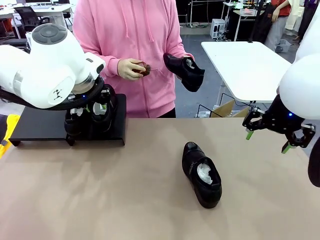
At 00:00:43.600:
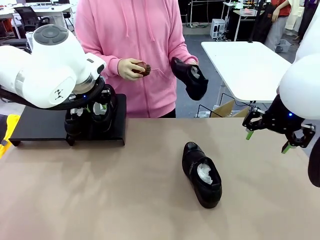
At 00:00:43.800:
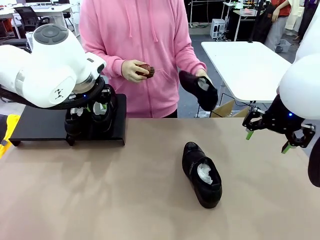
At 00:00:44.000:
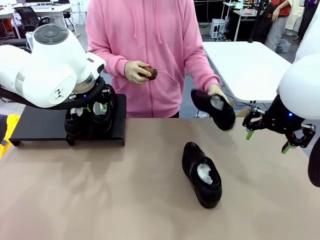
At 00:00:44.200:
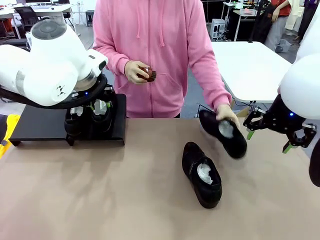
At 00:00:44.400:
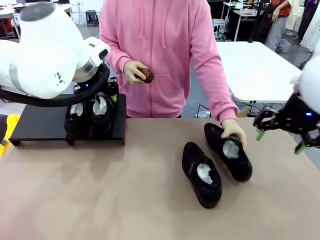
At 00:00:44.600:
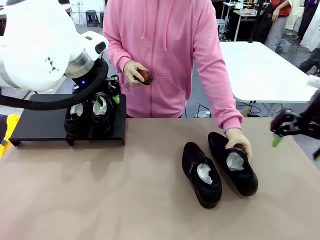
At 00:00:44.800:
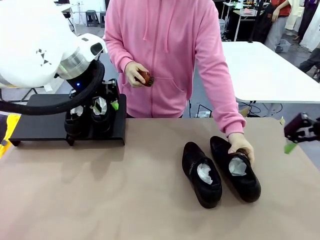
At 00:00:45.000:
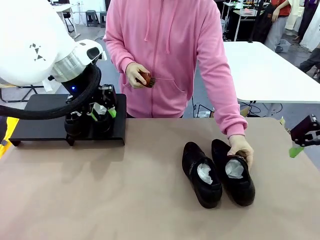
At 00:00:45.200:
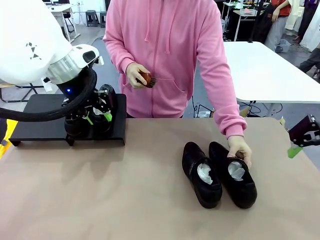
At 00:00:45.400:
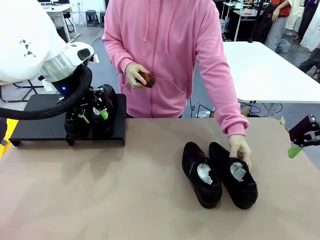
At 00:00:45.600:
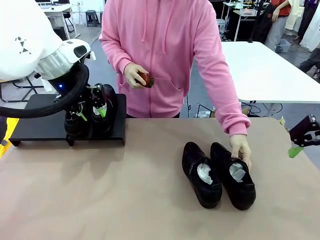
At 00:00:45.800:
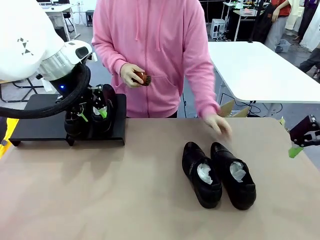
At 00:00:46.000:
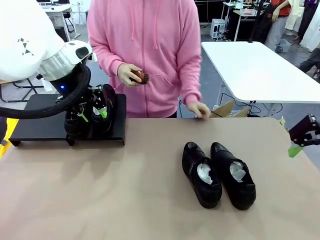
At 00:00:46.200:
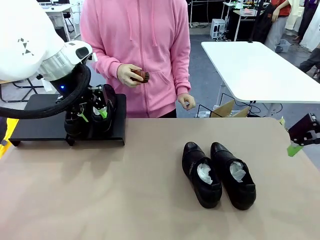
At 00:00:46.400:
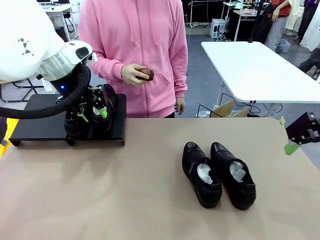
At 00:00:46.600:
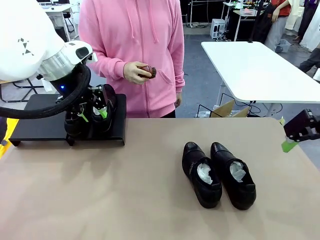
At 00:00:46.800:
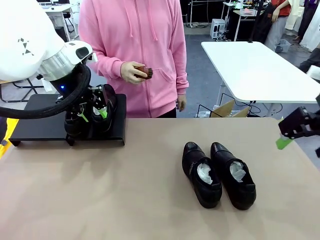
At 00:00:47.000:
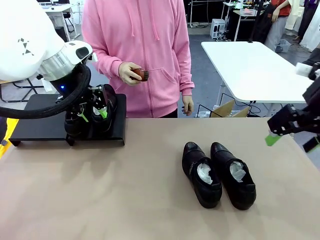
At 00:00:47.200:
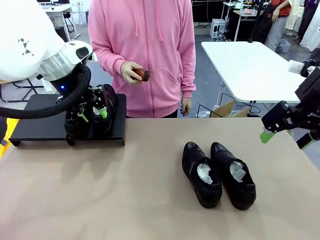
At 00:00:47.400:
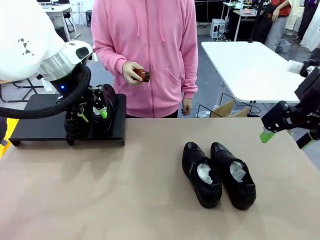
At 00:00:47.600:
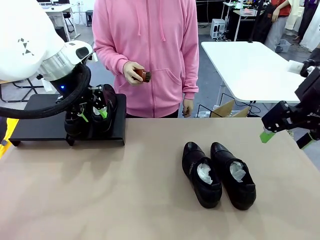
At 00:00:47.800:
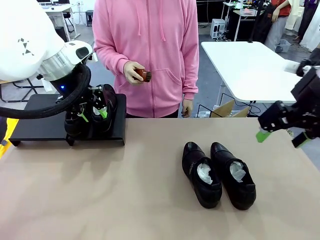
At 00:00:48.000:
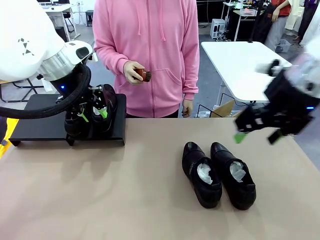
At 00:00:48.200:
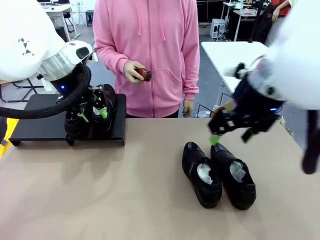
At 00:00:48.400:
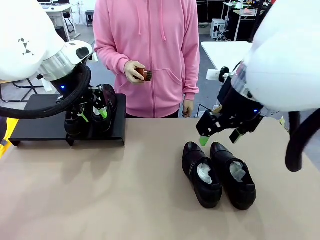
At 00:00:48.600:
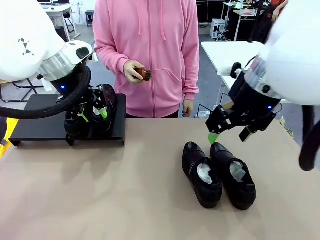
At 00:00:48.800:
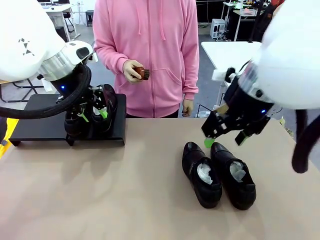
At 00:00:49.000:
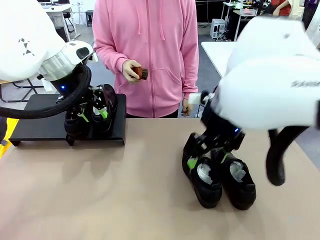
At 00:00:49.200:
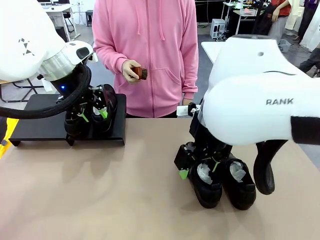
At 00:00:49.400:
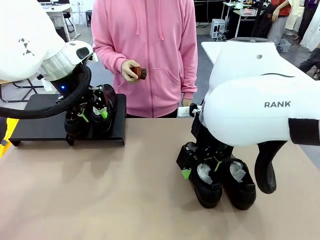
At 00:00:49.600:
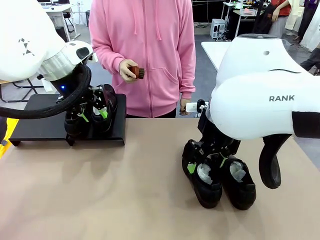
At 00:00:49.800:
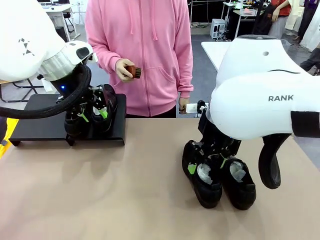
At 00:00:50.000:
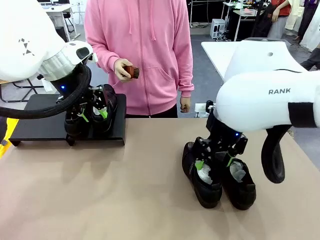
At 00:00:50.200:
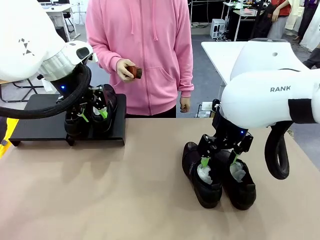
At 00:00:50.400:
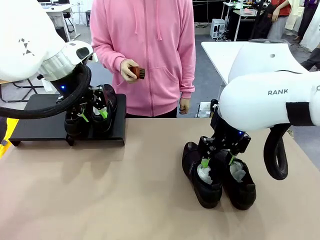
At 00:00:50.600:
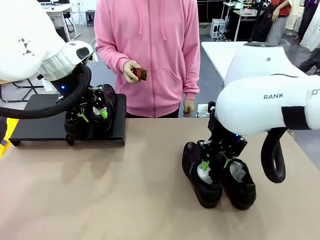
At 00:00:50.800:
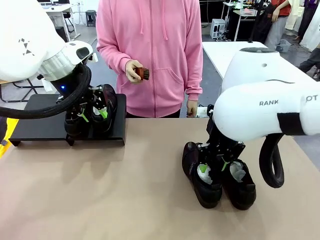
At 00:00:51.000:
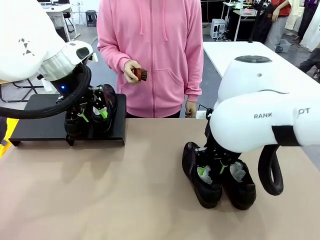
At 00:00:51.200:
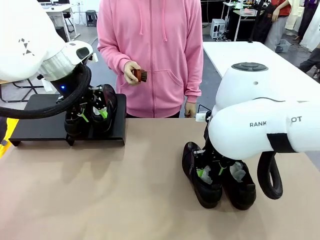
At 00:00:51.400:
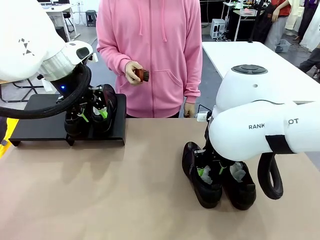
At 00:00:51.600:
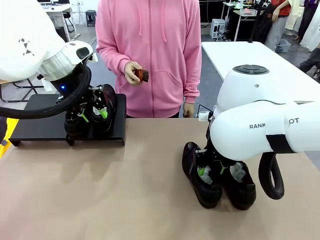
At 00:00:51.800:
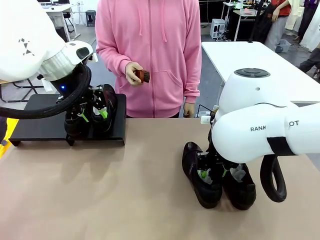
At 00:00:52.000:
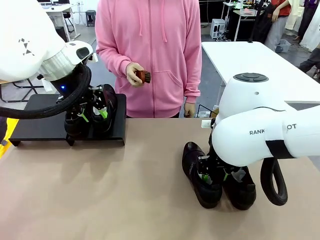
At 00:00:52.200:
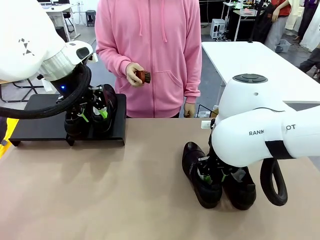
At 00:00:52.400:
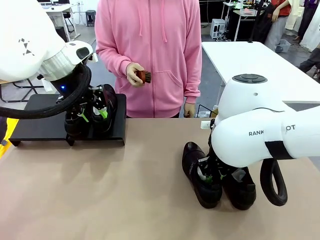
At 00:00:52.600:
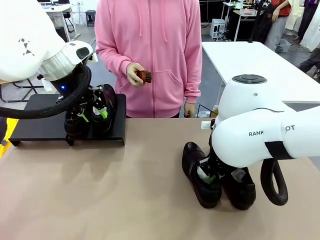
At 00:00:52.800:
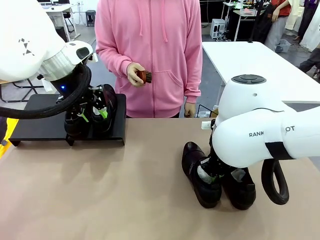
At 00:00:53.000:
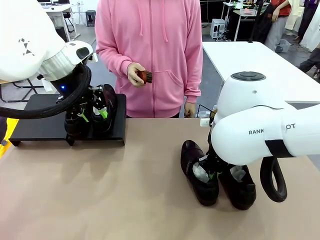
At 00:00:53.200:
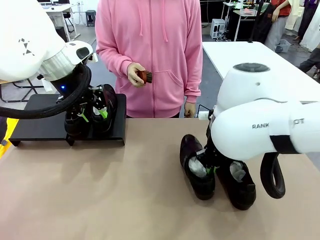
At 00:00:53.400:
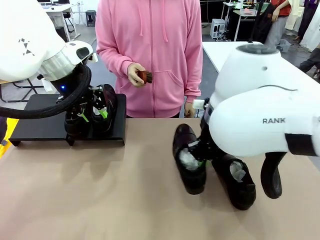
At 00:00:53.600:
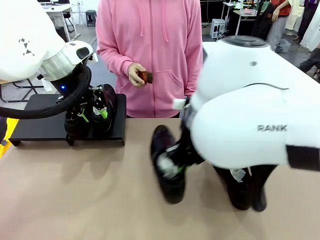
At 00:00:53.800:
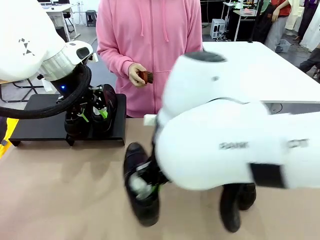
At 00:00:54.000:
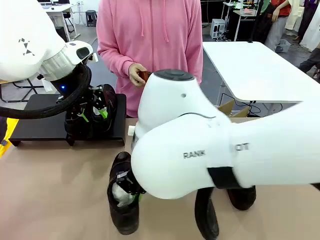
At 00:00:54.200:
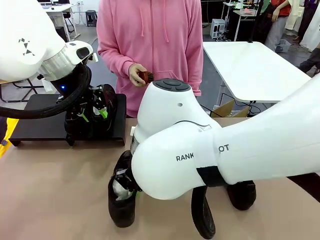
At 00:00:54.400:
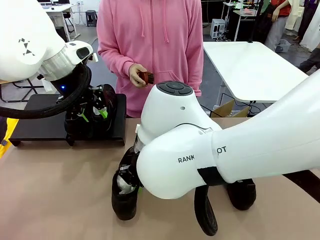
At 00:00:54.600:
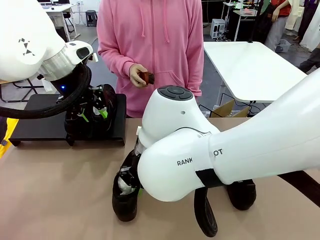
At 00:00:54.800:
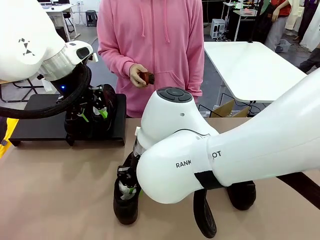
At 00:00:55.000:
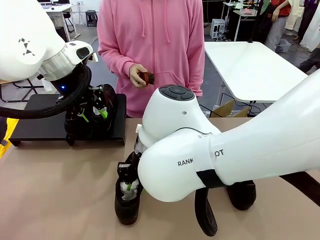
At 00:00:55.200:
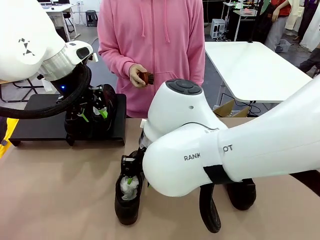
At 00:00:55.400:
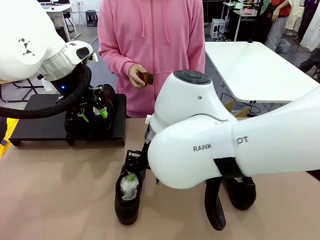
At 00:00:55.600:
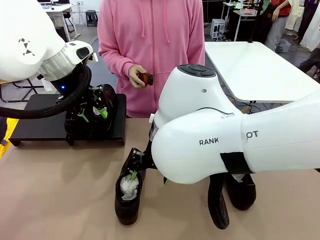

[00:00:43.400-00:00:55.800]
Task: Organize the shoes by placing them on the stand.
Robot: Pick up one Shoe and place it in the middle of the table.

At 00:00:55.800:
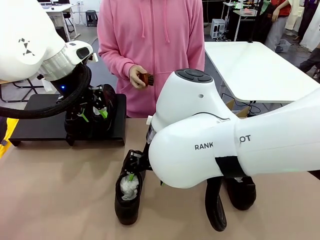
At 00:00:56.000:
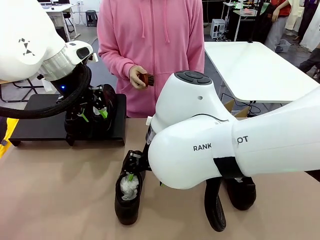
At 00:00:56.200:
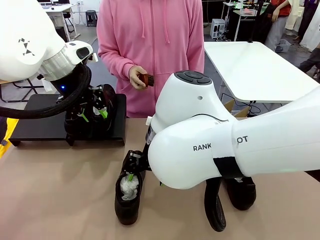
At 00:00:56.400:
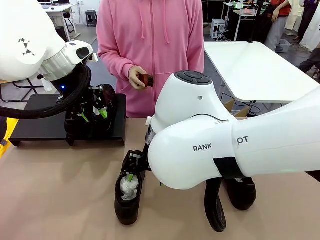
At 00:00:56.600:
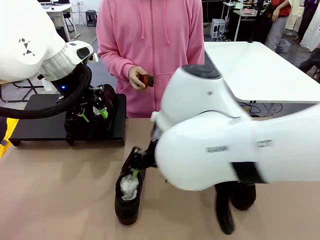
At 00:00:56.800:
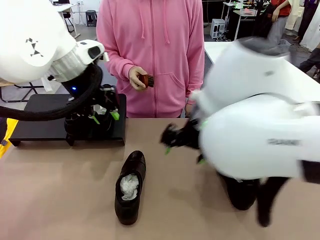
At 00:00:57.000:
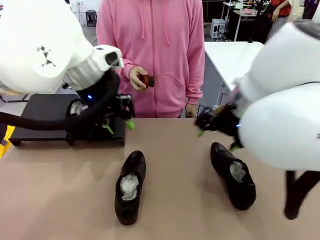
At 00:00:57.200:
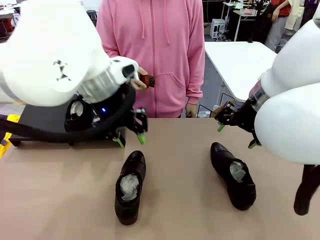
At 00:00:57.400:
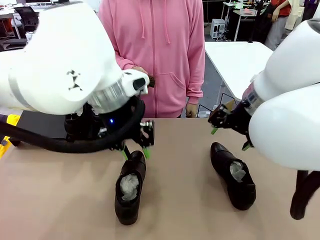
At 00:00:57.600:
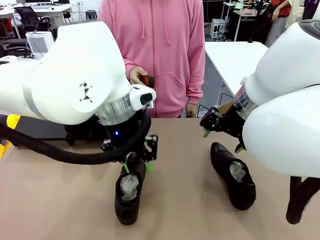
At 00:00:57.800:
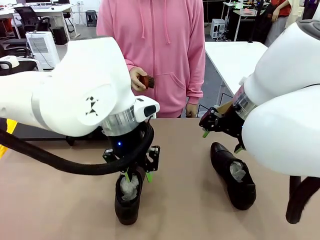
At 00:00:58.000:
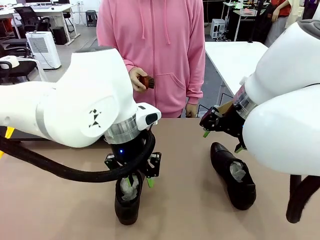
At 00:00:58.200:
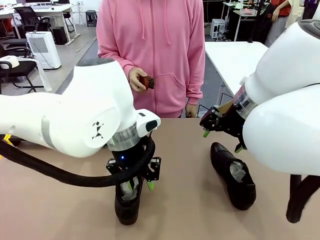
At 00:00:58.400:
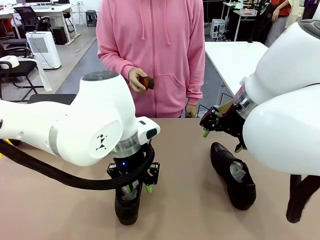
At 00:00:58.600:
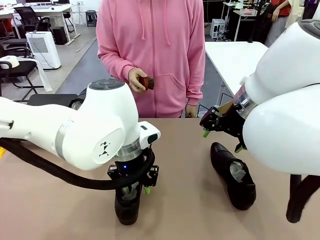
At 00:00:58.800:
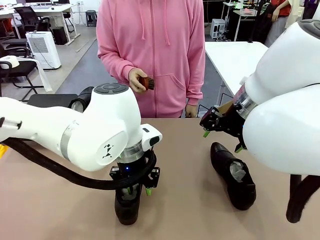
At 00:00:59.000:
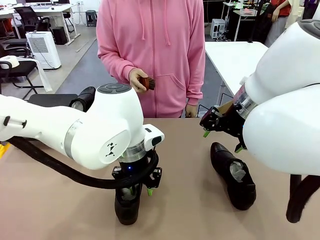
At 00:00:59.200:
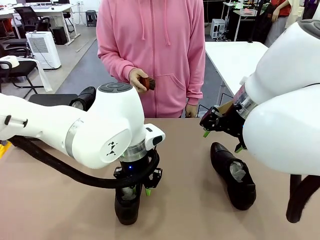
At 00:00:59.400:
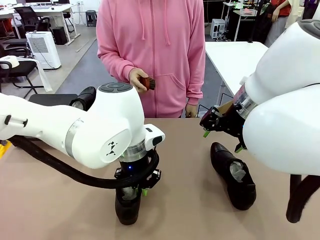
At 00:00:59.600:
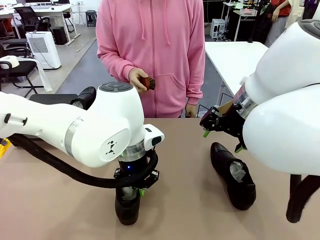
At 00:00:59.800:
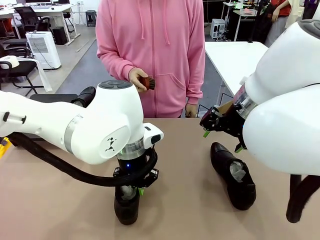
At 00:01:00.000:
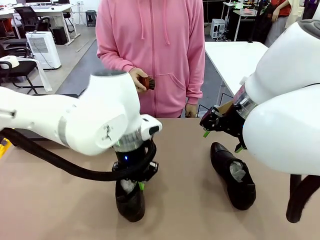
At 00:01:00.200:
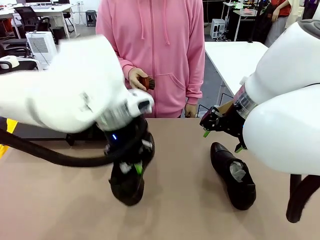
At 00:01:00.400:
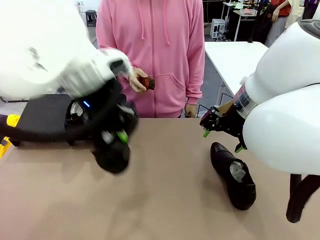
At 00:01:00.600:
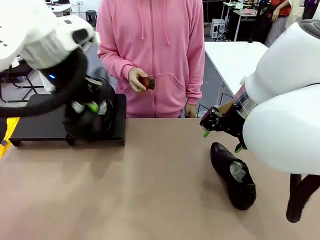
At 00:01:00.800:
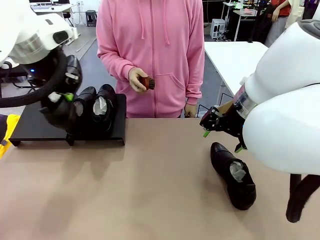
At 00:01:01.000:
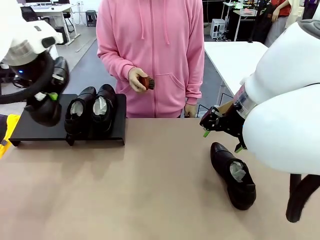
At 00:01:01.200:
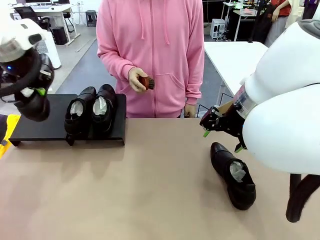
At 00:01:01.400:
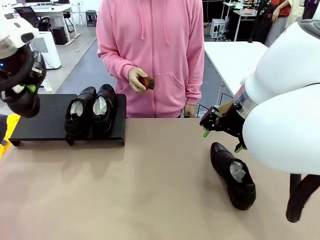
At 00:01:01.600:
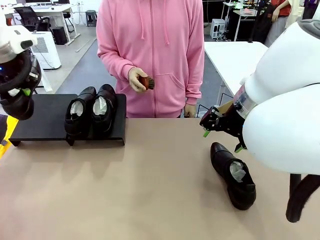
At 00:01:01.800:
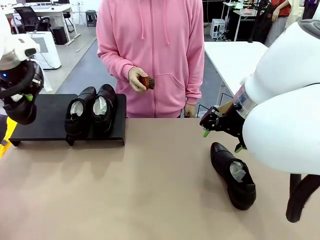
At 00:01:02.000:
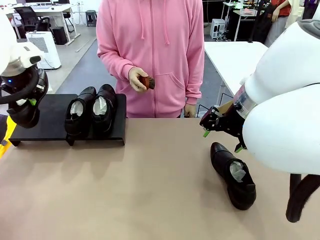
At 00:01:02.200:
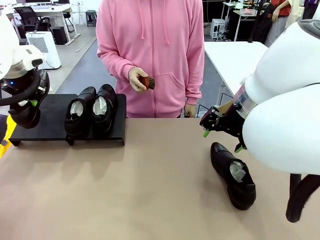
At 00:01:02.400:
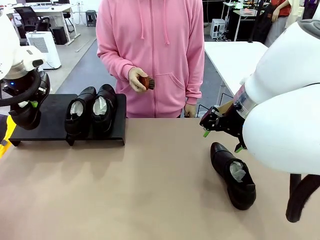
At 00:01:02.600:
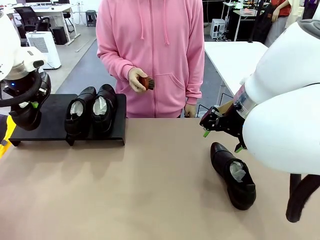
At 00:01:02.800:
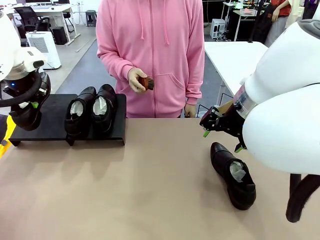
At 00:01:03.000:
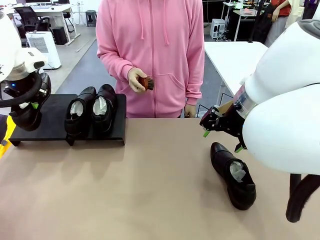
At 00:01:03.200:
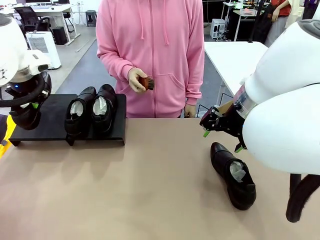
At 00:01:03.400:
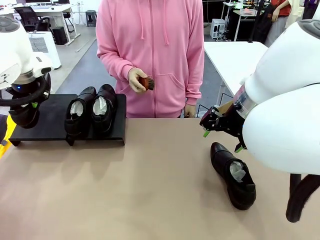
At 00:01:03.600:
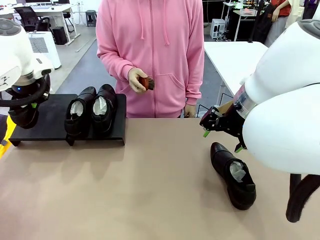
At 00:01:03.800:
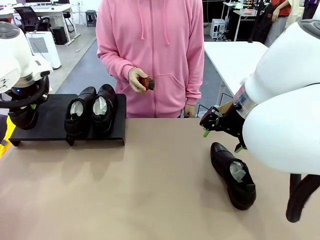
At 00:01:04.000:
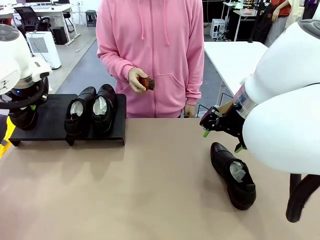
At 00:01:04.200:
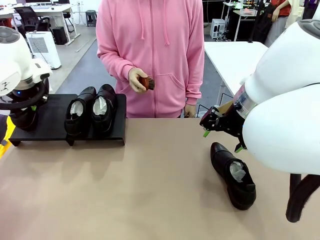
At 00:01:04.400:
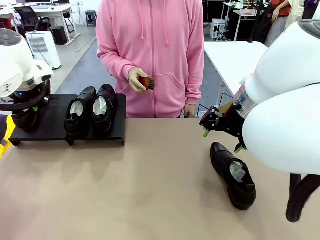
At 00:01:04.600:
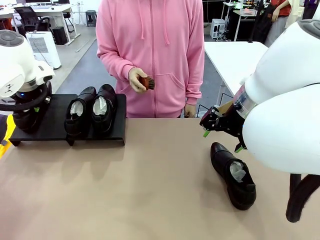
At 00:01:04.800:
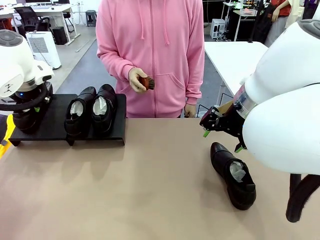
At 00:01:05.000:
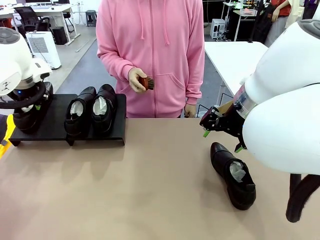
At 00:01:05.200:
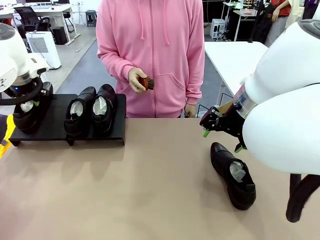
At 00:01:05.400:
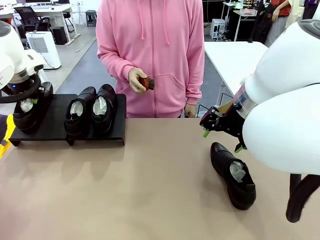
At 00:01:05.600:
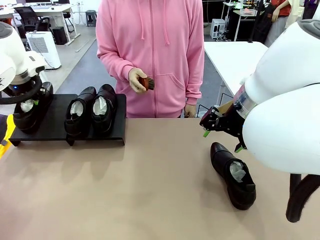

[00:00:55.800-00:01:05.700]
Robot: Place the Shoe from the middle of the table onto the Shoes Stand.
